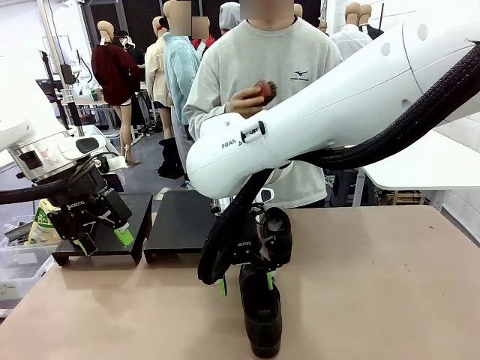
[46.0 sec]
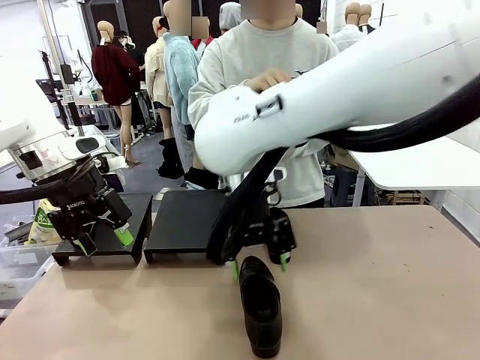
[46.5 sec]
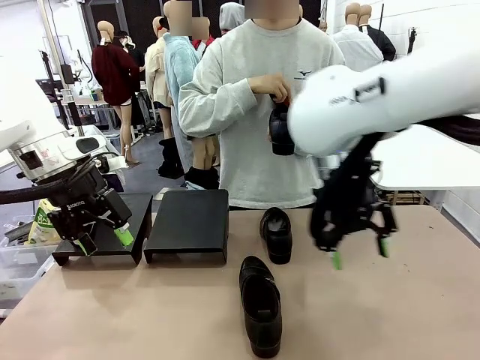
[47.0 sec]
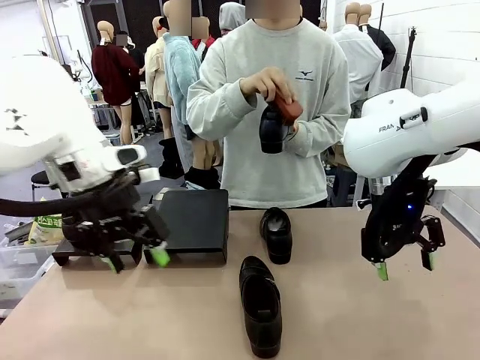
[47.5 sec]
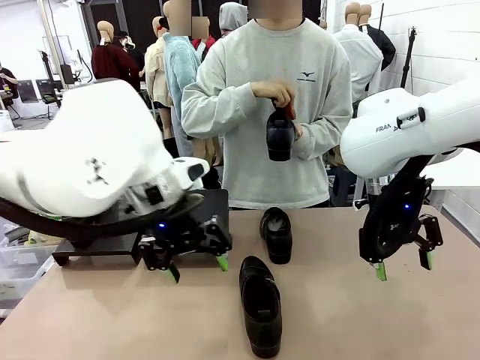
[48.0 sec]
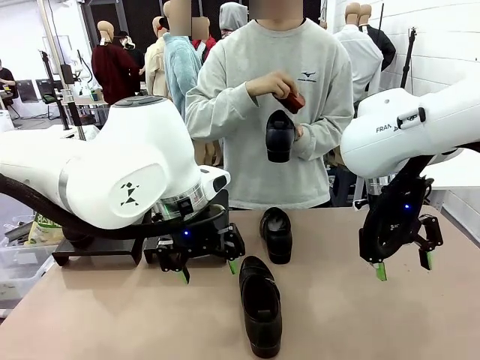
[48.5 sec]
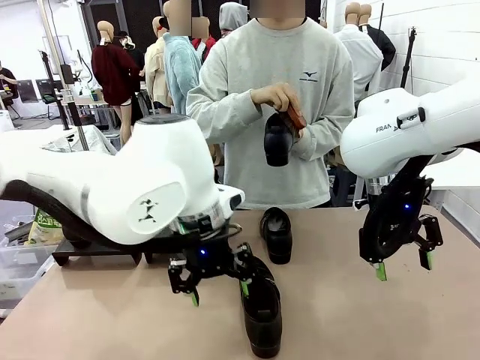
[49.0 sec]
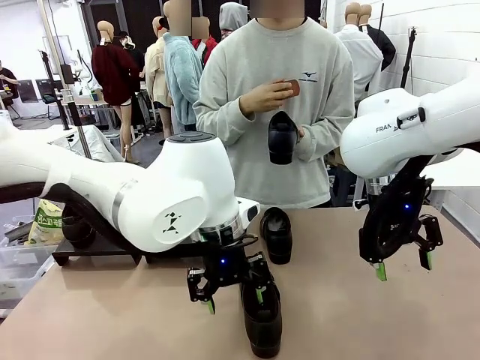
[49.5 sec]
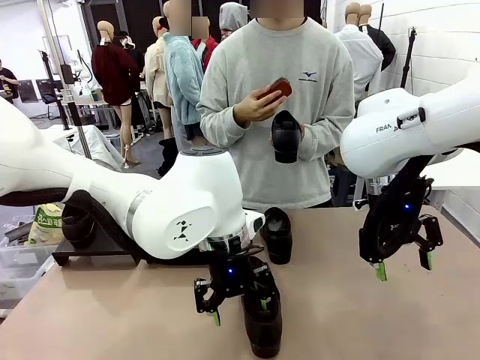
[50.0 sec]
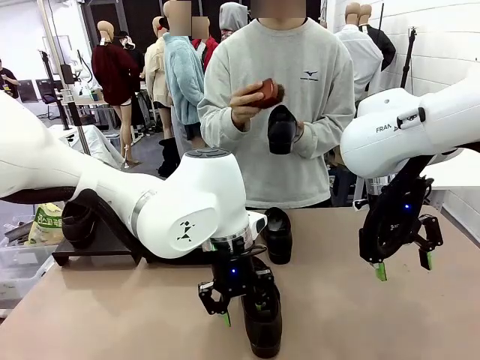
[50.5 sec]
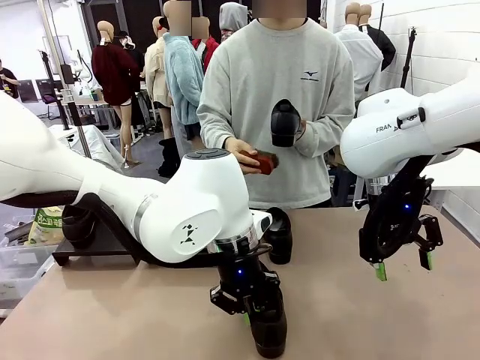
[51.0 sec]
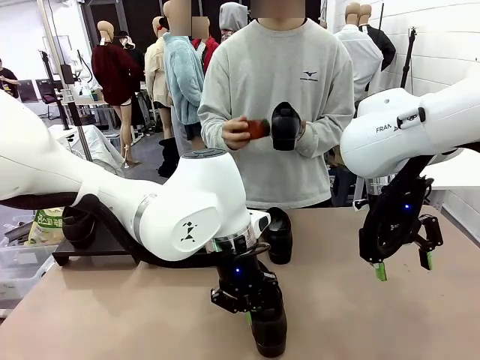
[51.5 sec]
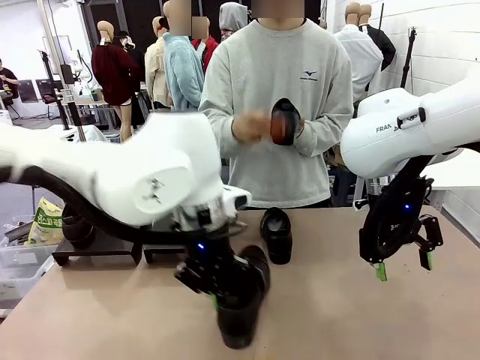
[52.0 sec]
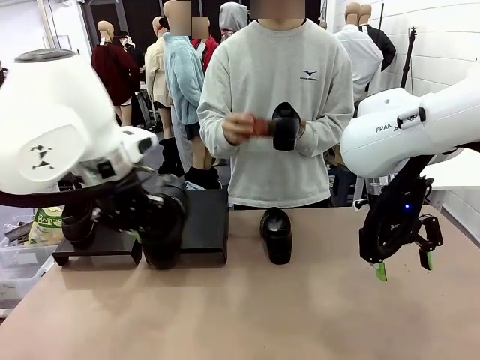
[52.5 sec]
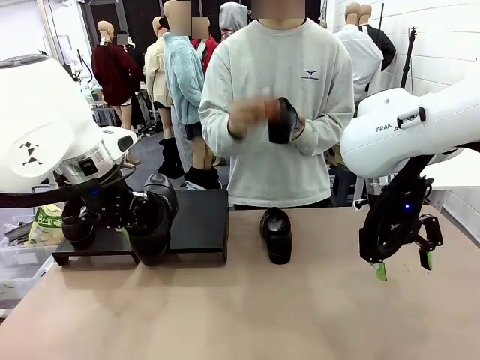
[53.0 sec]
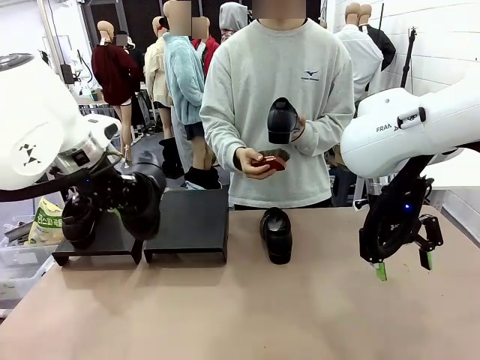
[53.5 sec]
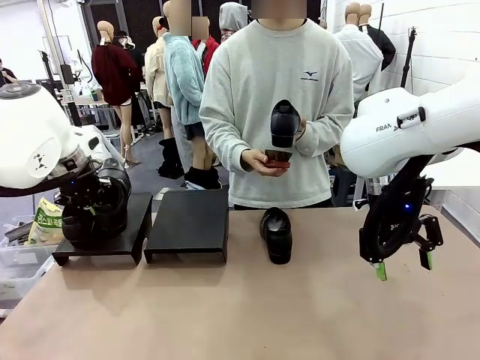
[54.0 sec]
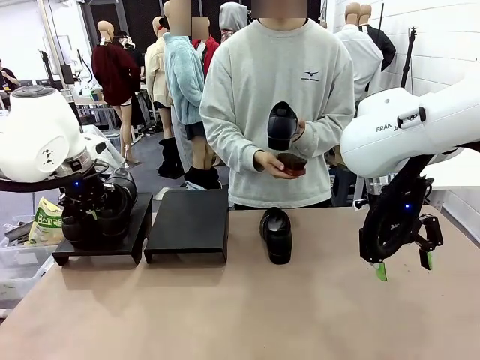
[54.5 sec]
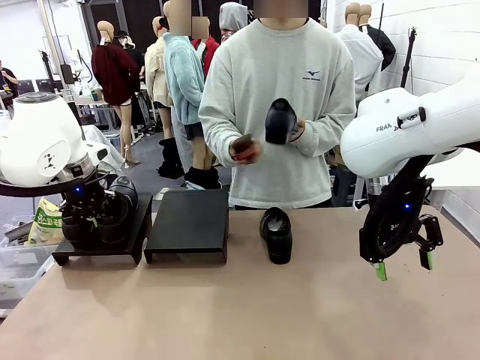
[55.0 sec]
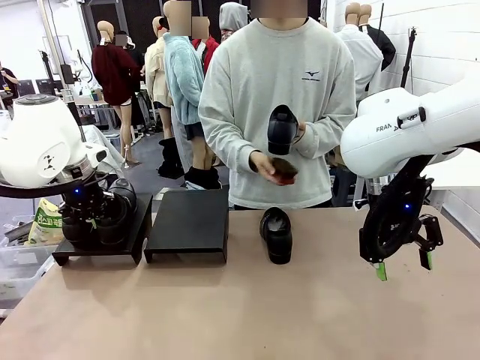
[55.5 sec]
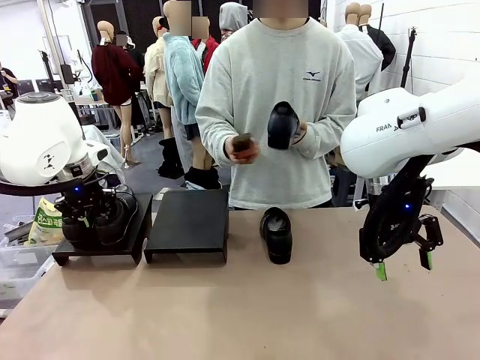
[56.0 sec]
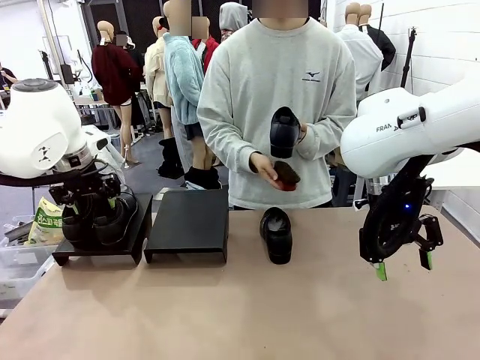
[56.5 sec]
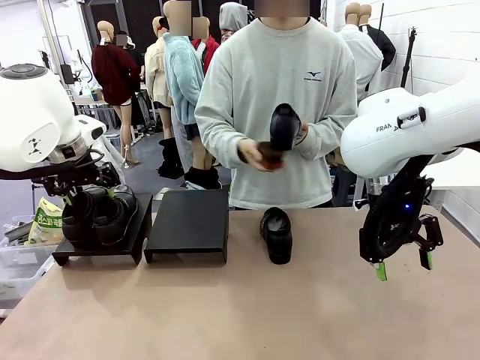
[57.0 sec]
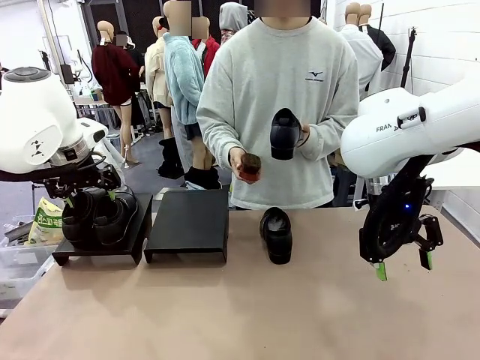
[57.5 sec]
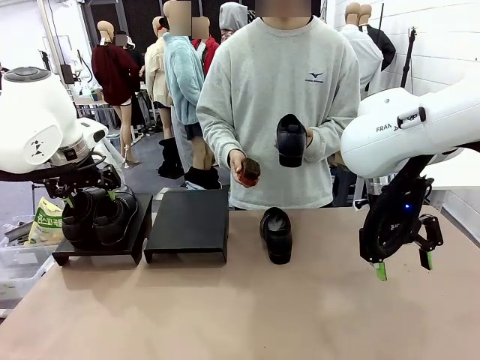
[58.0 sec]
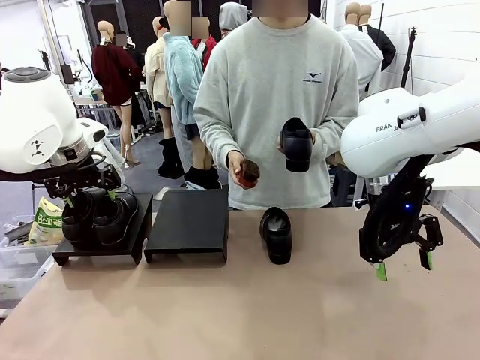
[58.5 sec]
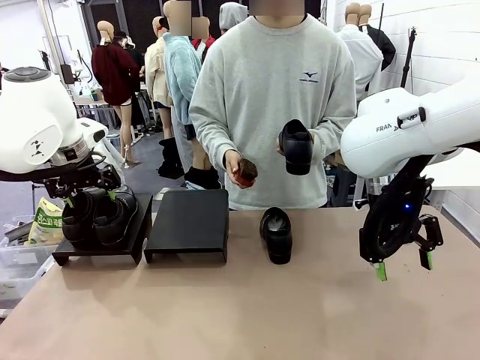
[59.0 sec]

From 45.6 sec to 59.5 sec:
Task: Organize the shoes by placing them on the stand.
Robot: Place the Shoe from the middle of the table onto the Shoes Stand.
Person: Clean the Shoe with the Shoe Brush.

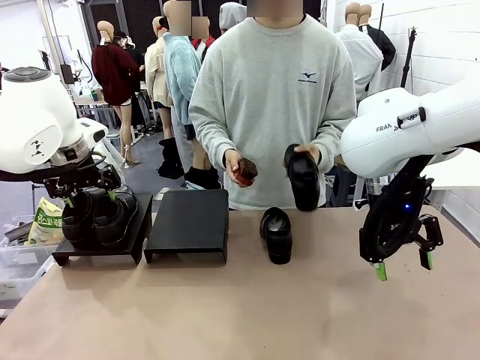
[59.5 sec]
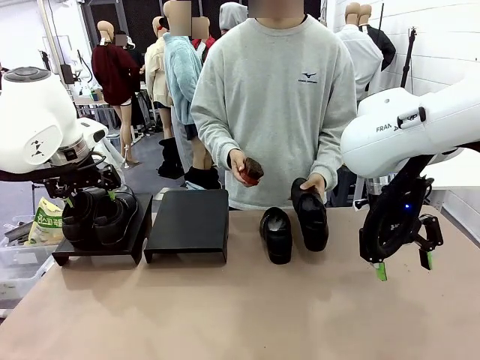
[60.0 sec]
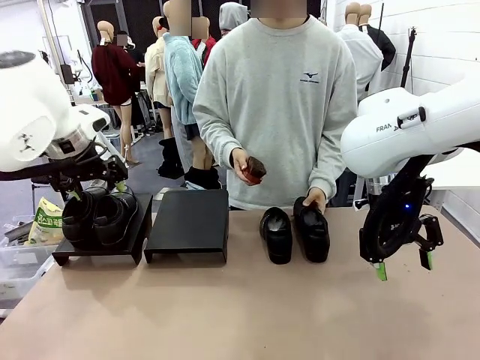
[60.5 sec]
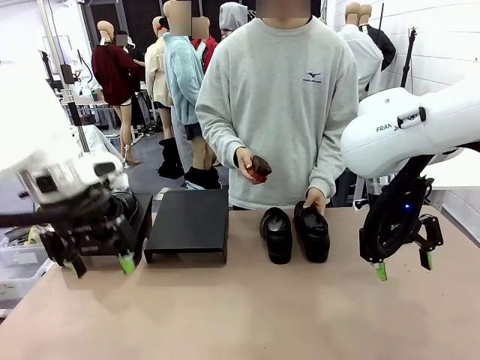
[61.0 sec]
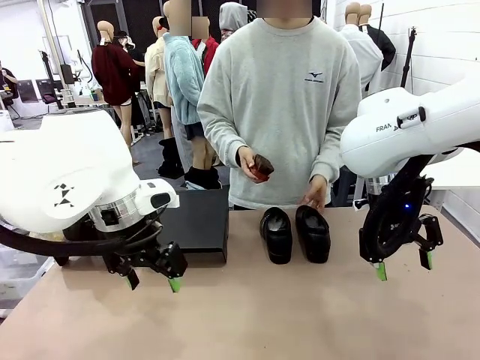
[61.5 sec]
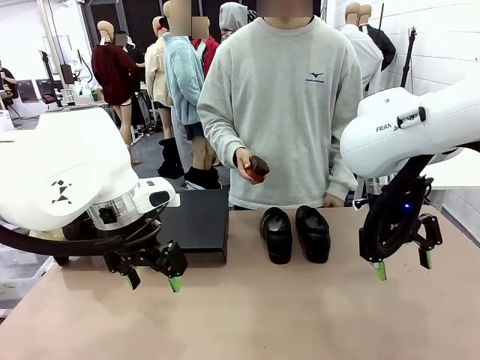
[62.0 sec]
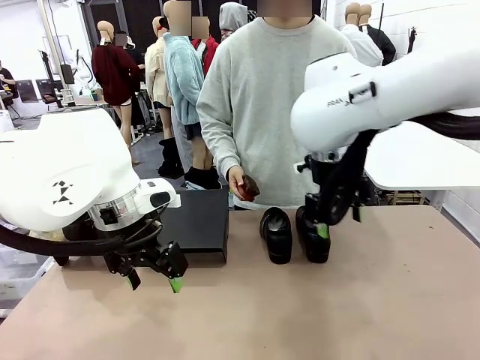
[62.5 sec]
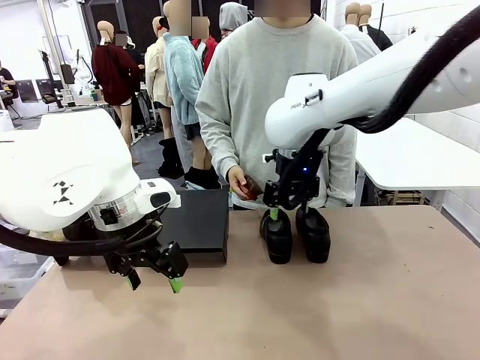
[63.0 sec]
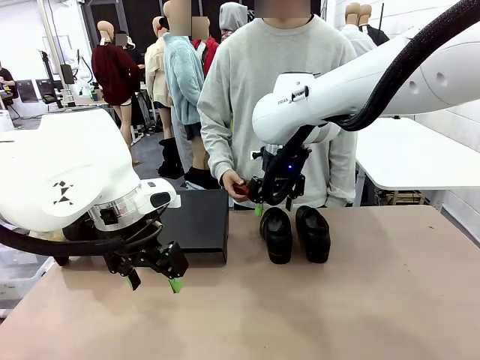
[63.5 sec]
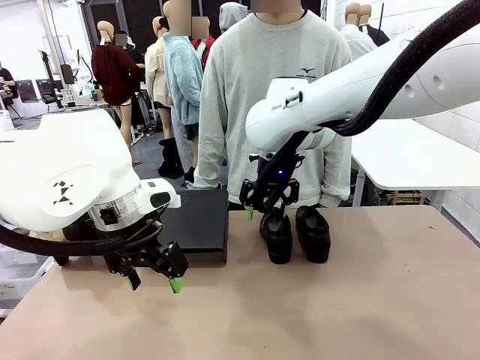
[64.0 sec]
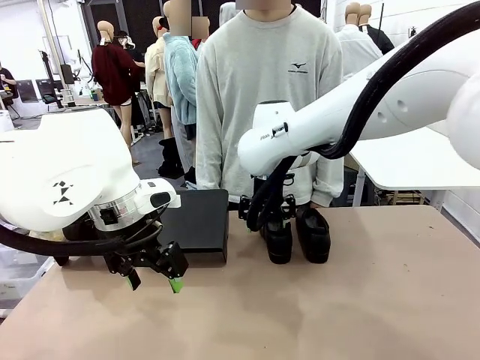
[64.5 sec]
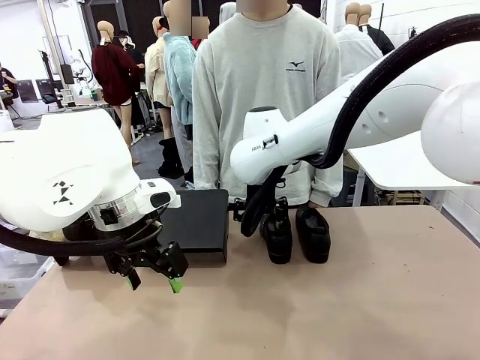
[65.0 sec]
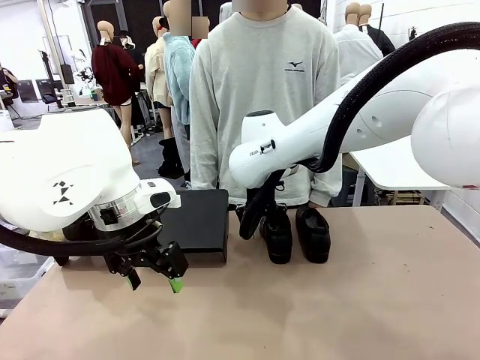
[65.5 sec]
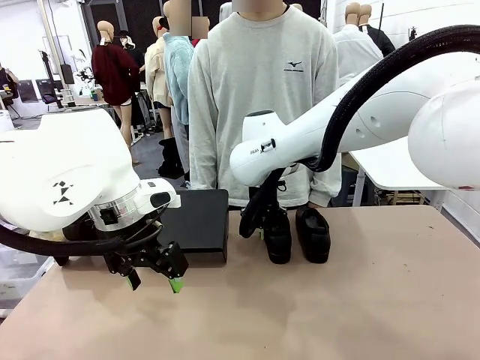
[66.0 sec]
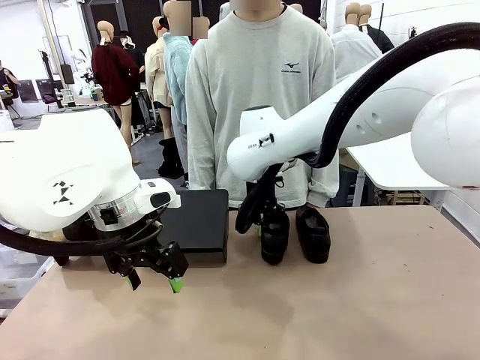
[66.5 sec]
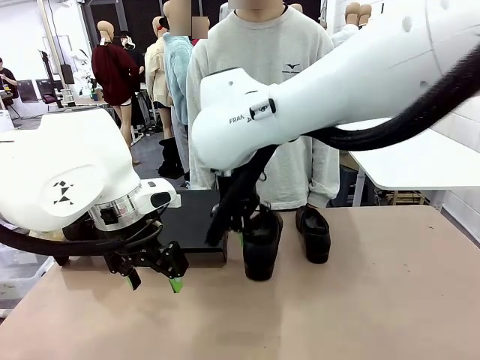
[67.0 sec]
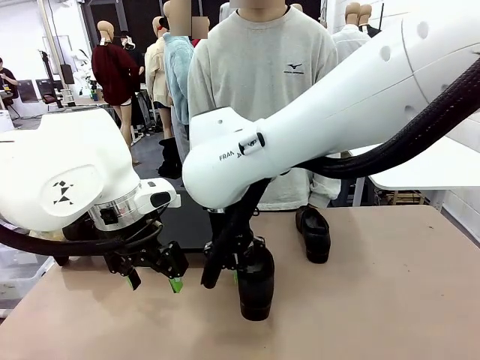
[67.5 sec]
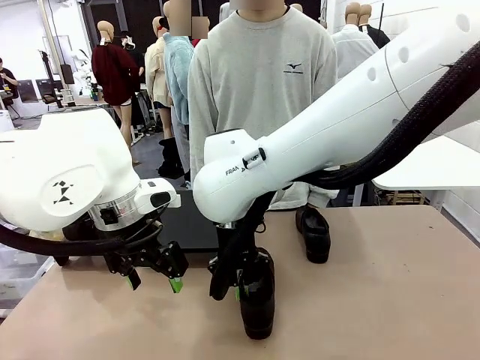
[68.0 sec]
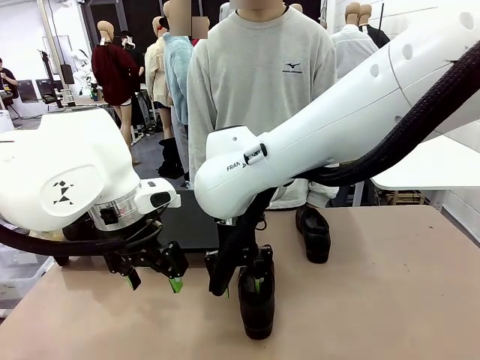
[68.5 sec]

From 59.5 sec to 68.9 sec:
Robot: Pick up one Shoe and place it in the middle of the table.

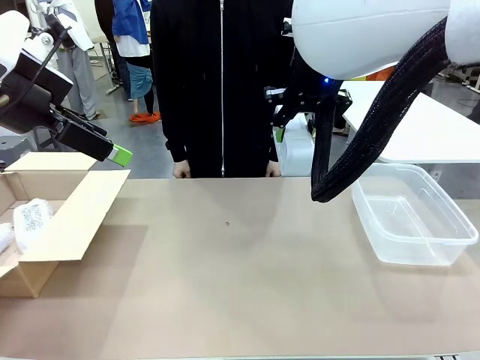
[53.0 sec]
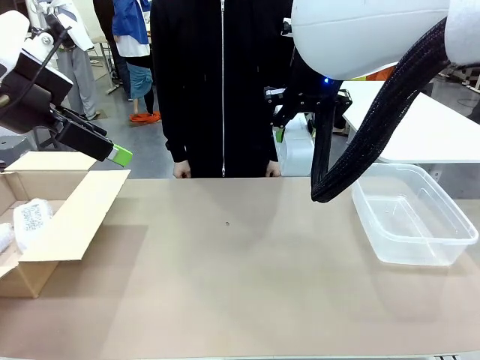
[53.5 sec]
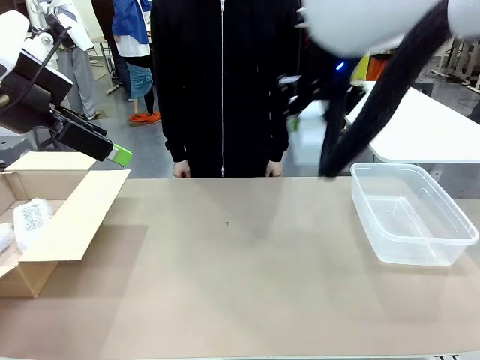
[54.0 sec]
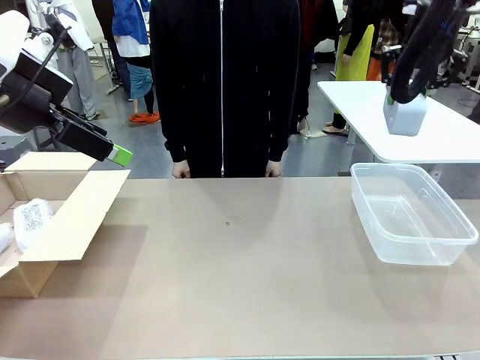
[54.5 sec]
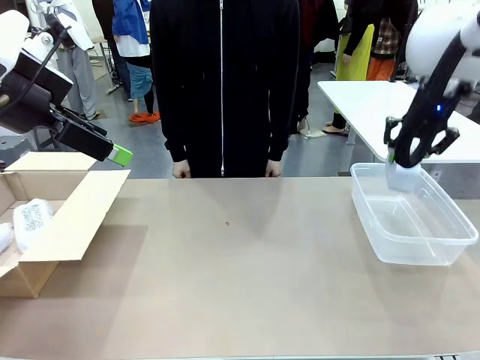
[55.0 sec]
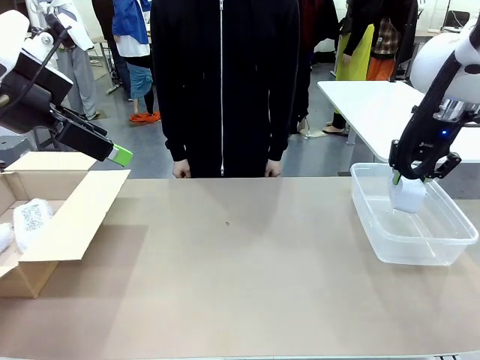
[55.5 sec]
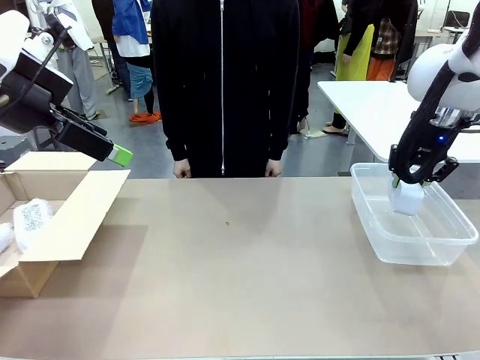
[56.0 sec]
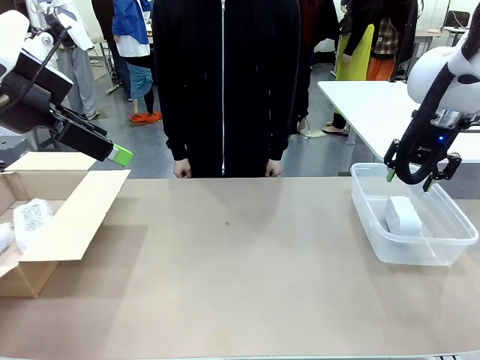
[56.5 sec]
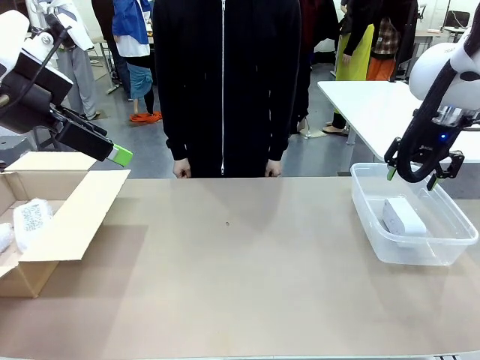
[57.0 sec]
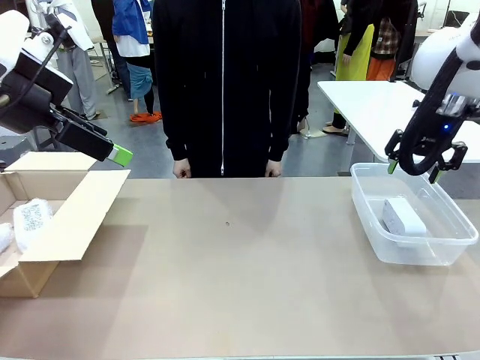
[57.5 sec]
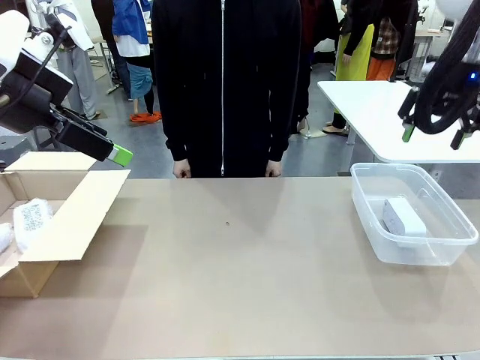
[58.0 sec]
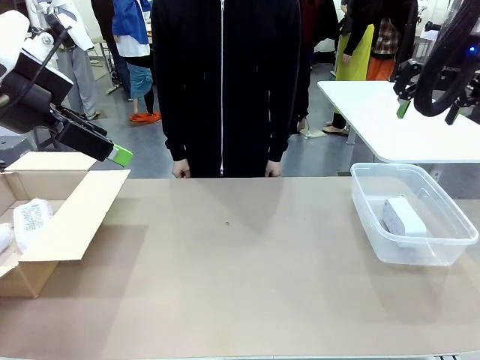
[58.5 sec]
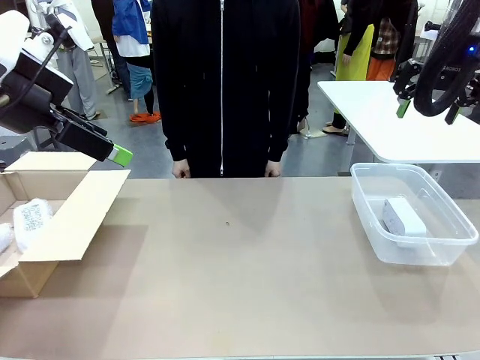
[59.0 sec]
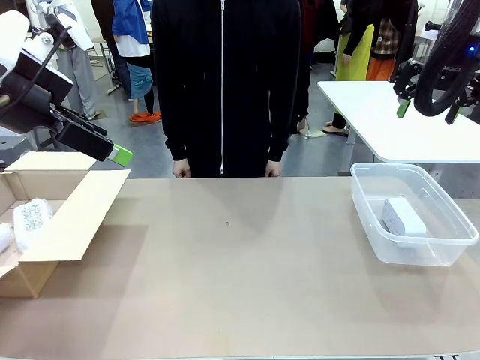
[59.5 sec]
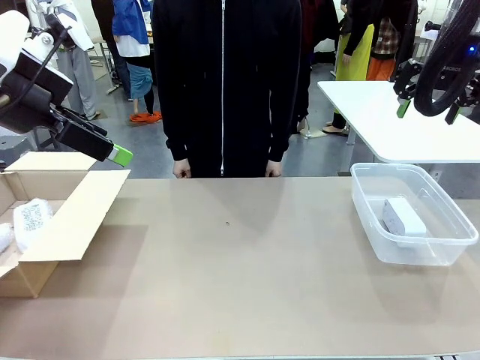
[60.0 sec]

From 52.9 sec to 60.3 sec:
Task: Separate and place wrapped and unwrapped clocks.
Robot: If the picked Digital clock is wrapped, place it in the Package Box ; if not, place it in the Organizing box.
